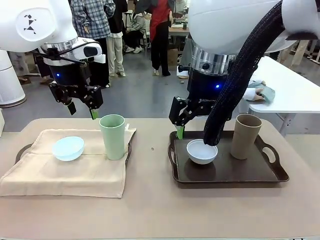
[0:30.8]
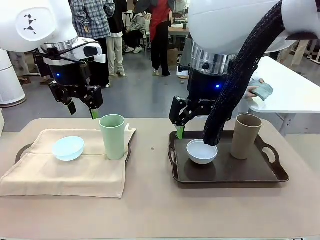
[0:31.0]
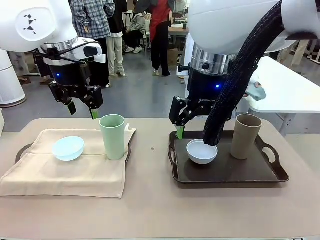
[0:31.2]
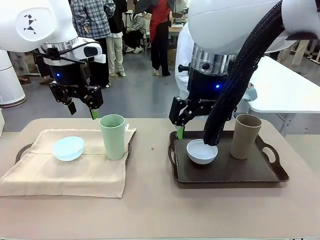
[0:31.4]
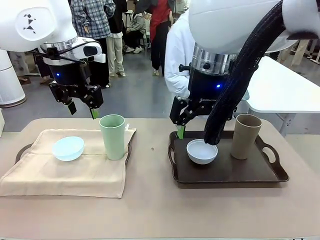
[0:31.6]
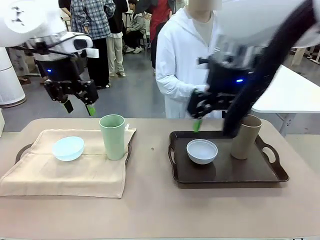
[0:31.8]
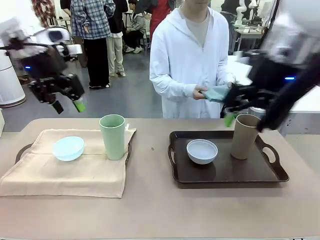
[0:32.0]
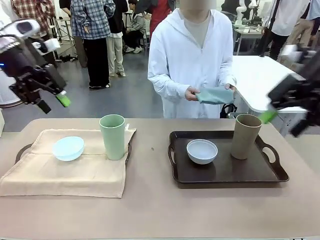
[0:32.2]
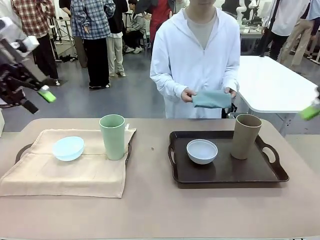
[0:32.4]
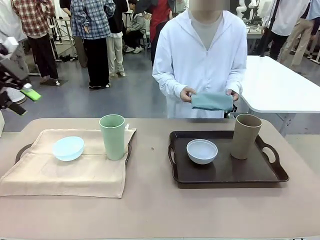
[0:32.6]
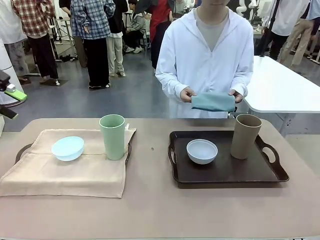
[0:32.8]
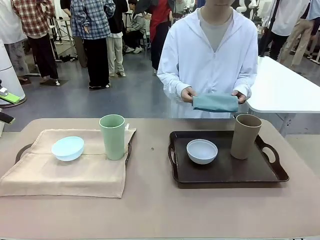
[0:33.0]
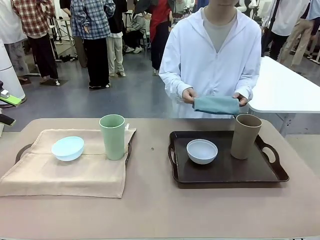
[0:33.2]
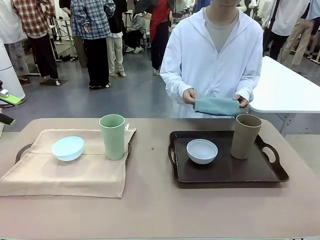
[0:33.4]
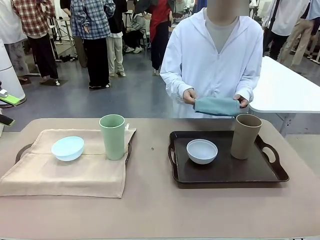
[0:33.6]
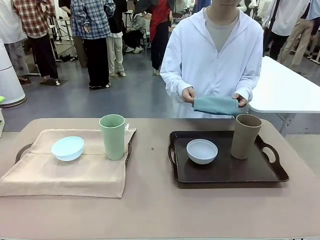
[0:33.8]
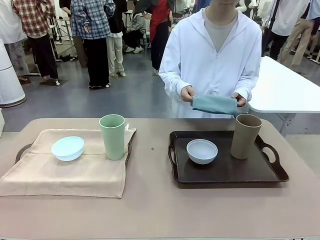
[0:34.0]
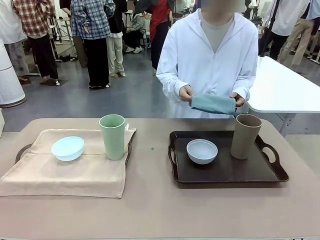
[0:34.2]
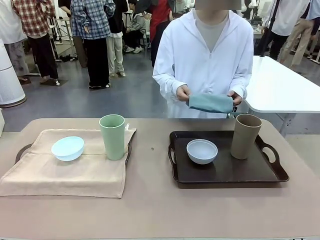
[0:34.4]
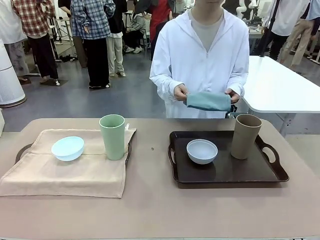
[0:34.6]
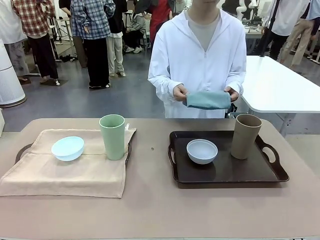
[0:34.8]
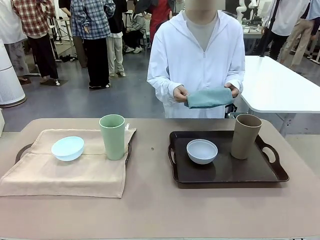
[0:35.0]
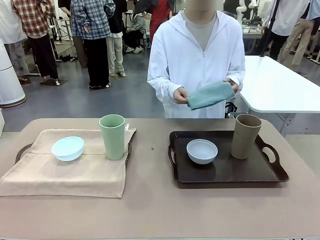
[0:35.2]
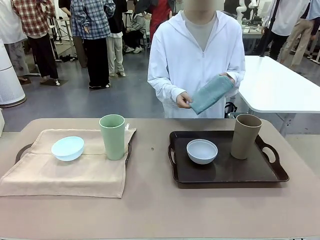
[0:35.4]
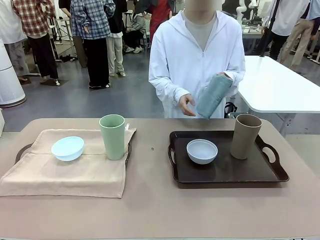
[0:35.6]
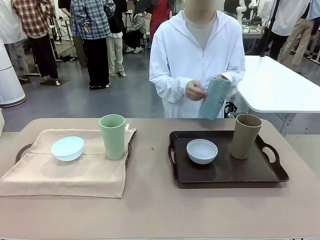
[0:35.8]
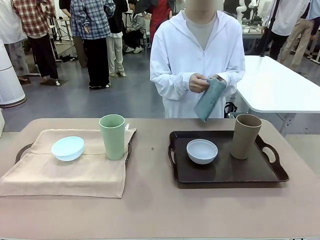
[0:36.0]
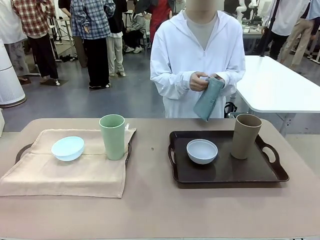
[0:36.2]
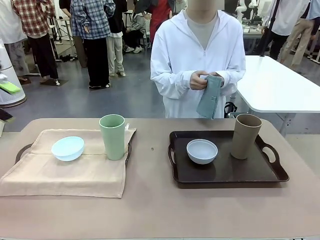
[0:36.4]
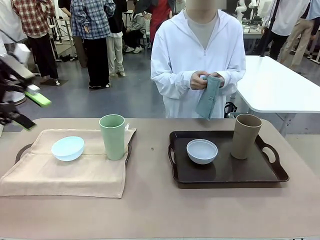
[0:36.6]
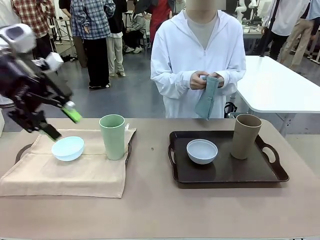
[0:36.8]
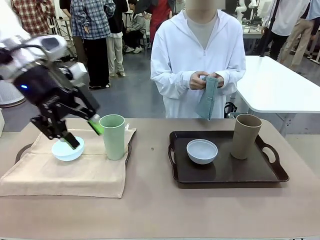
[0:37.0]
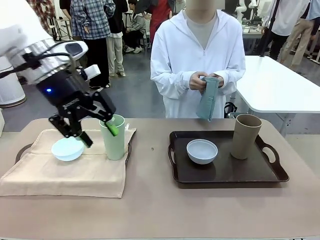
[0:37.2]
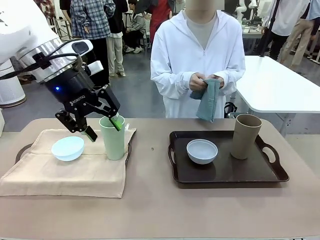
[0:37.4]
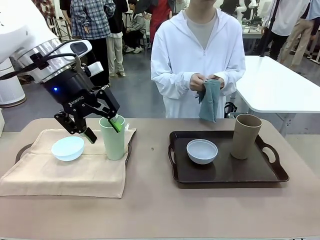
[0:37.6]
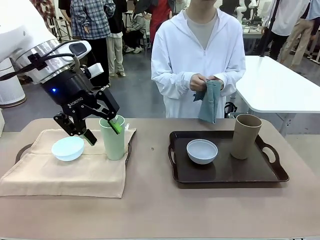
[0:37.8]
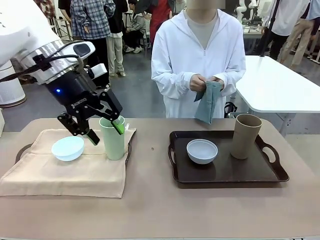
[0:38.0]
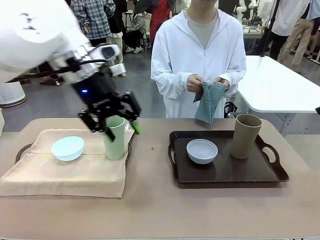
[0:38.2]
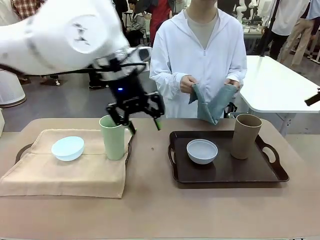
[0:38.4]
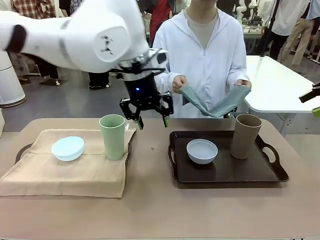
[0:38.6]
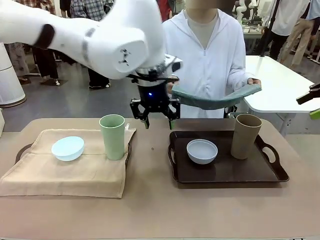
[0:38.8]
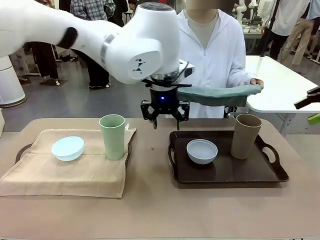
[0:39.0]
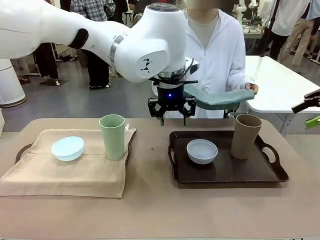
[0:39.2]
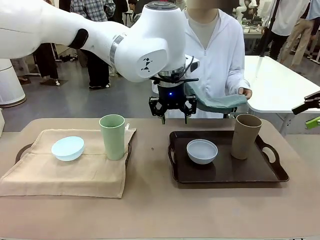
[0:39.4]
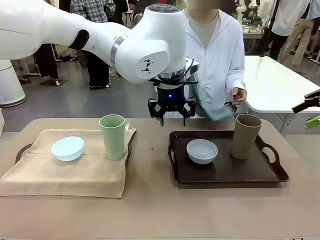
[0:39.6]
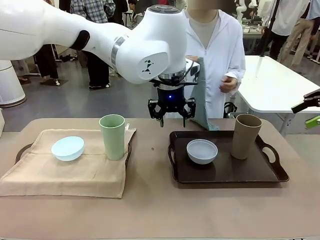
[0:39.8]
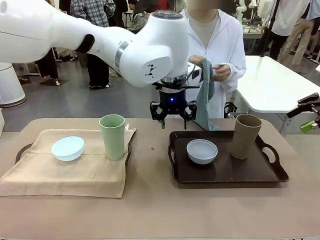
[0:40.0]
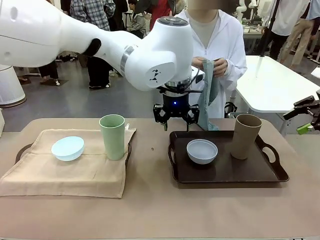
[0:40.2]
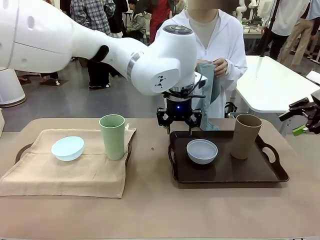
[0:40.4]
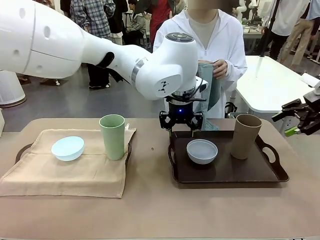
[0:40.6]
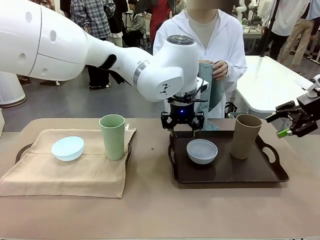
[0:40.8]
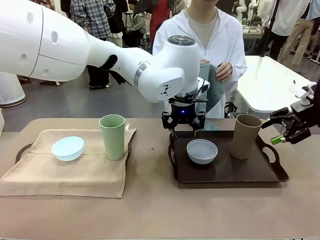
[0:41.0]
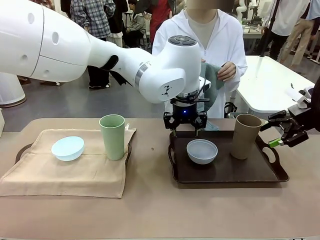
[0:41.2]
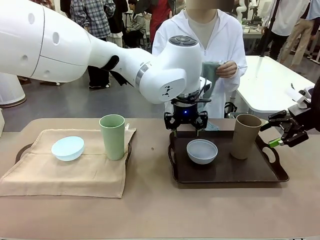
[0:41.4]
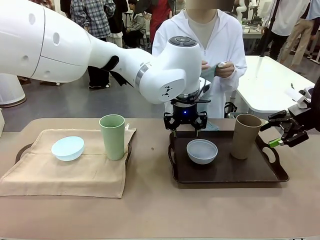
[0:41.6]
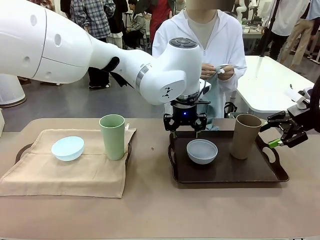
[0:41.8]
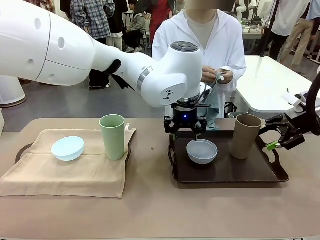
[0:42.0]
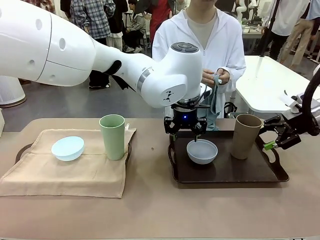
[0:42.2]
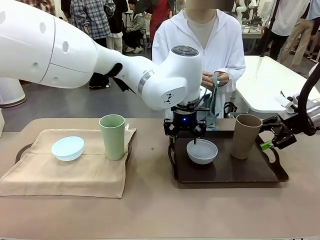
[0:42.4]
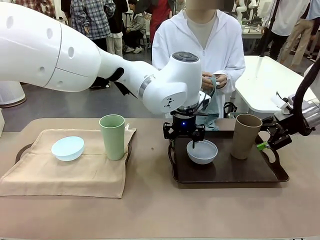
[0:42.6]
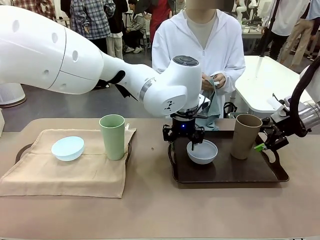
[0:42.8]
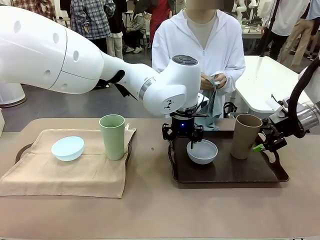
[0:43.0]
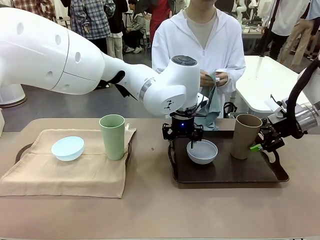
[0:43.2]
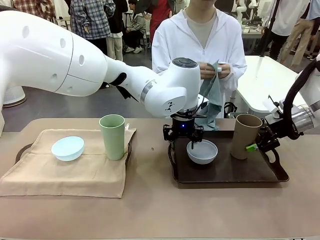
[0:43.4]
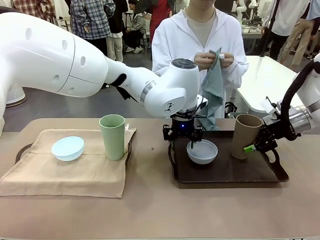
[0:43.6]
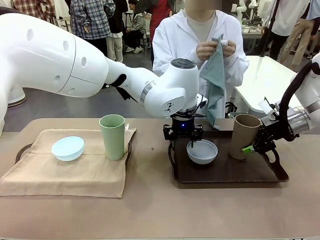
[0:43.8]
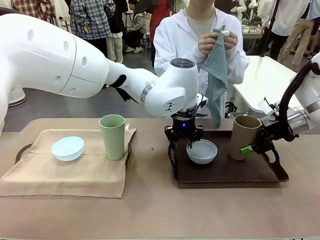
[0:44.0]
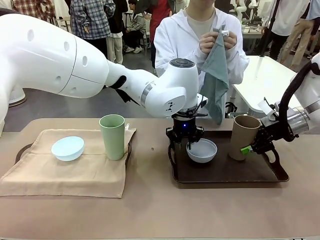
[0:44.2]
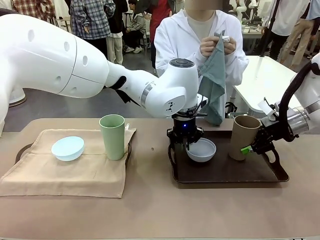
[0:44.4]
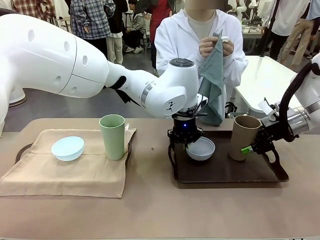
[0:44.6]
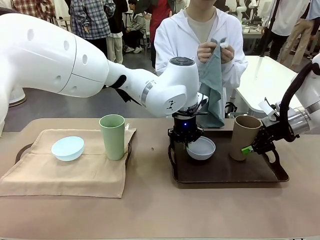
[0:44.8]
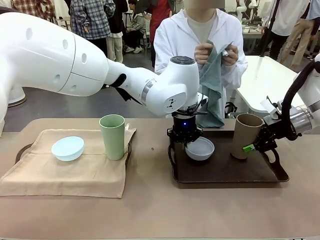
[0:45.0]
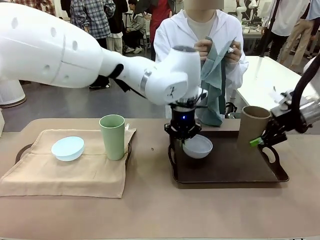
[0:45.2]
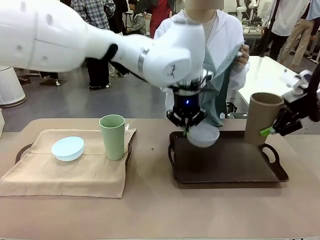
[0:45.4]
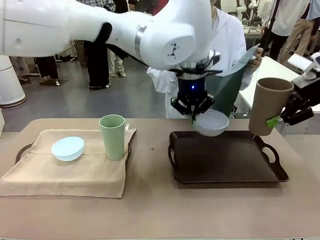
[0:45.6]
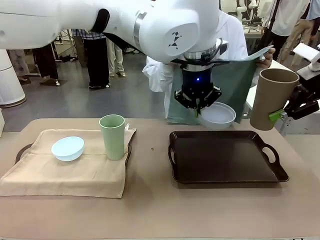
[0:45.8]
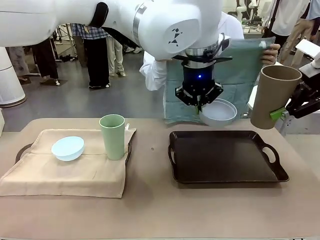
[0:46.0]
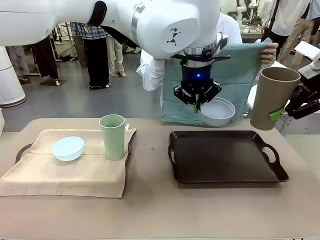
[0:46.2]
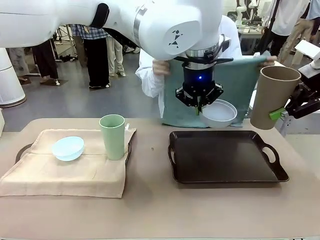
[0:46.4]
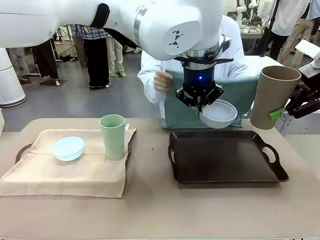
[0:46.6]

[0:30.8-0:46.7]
Robot: Pick up the Picnic Bowl and Reusable plastic cup from the Handle tray in front of the human's position and hold them in the air.

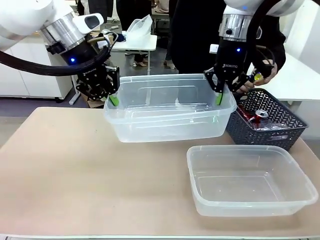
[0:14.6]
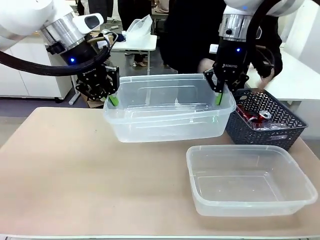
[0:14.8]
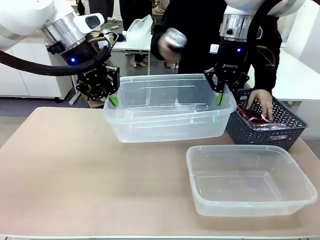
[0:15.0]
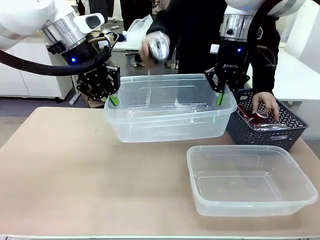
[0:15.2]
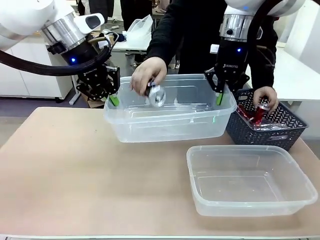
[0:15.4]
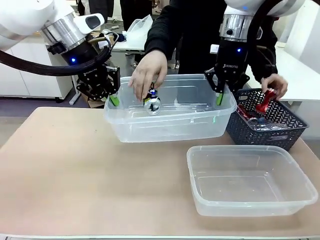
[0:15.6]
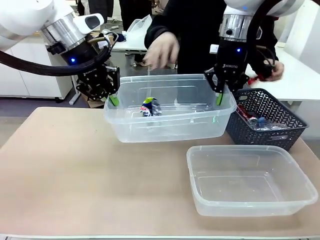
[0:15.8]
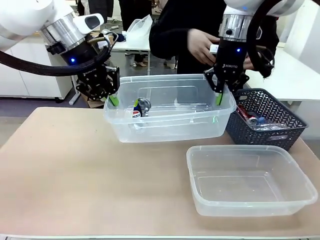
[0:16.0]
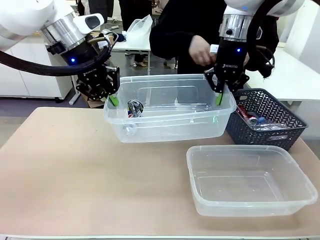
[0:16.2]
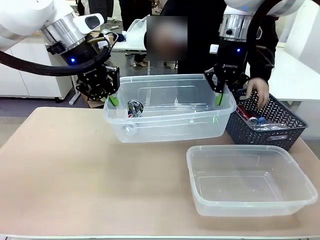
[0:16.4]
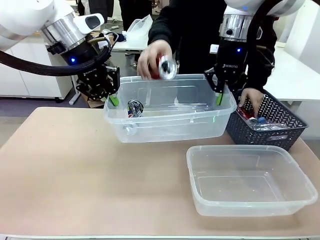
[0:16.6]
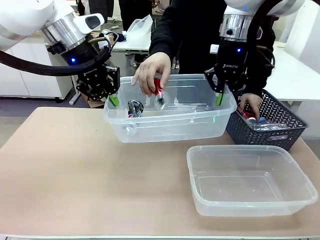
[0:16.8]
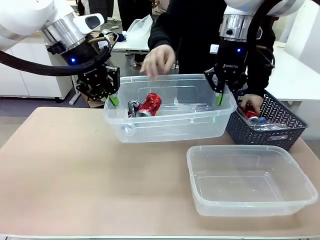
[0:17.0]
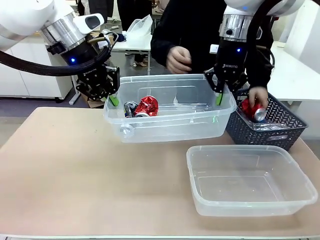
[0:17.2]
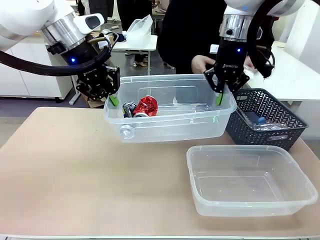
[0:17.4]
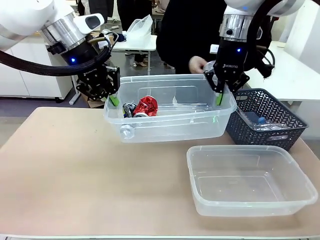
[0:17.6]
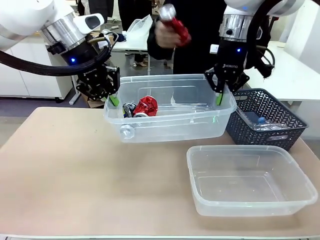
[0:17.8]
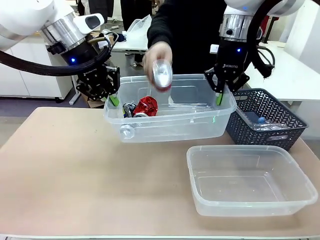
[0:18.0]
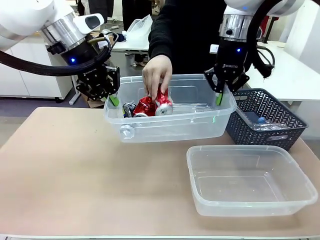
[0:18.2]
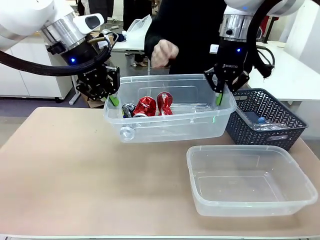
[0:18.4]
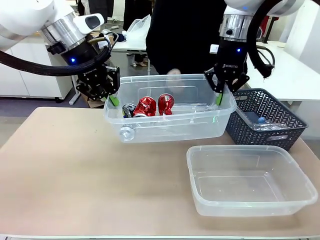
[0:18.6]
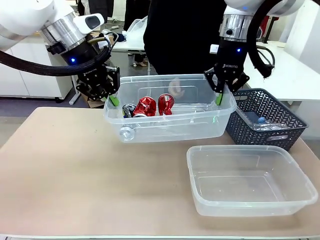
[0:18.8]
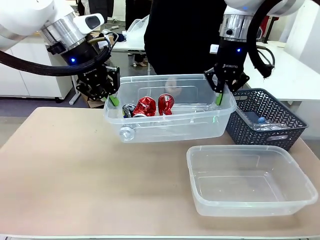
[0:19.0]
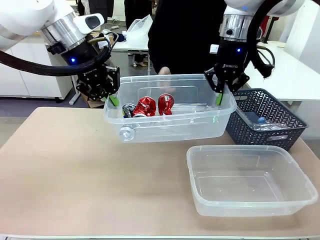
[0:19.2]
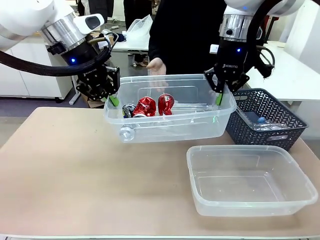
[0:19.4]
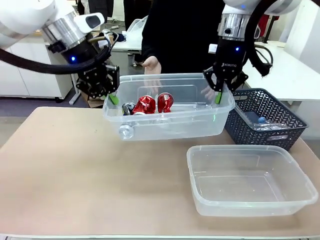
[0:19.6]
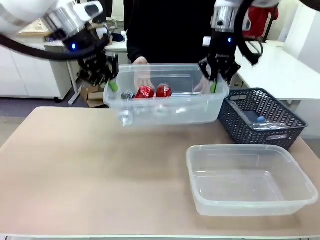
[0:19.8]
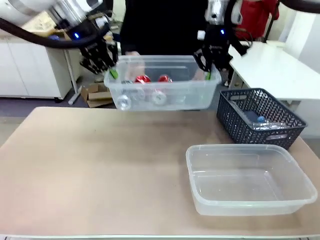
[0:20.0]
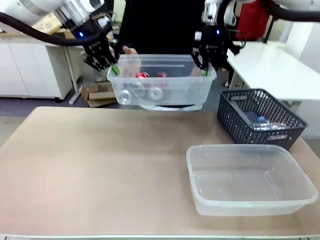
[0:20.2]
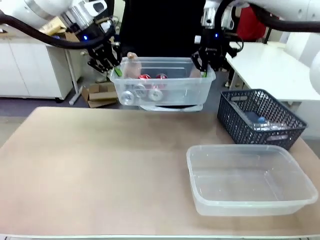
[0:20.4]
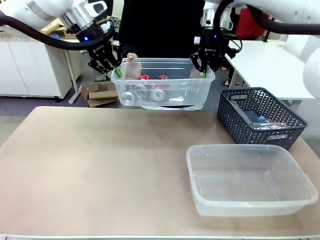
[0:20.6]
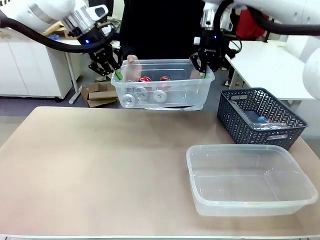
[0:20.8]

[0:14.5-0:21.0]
Robot: Offer the picked Organizing box to the human.
